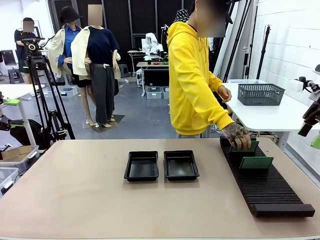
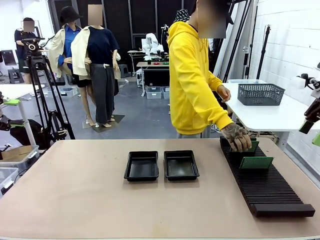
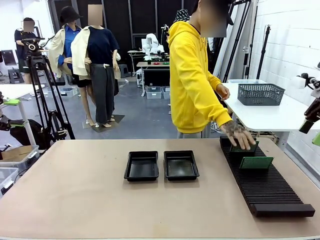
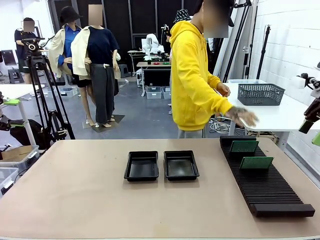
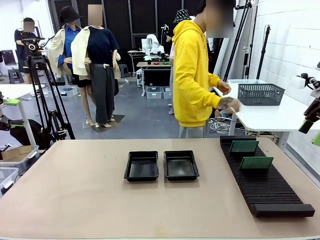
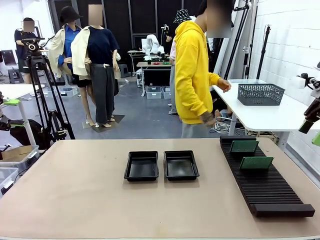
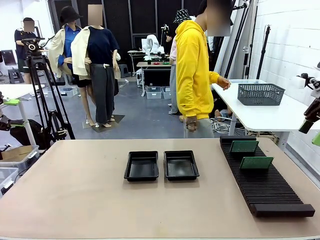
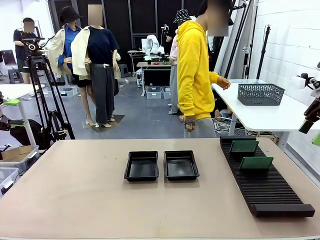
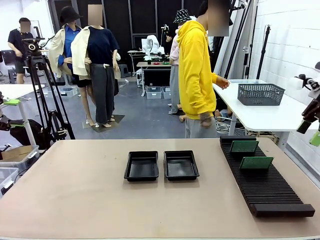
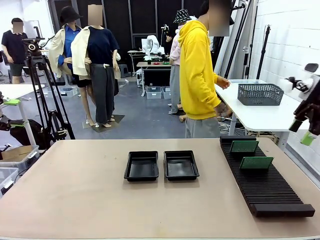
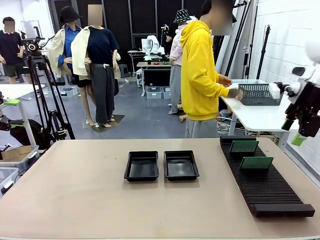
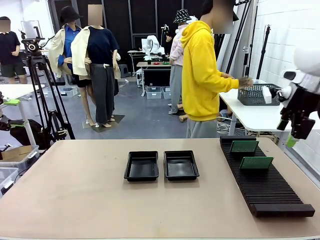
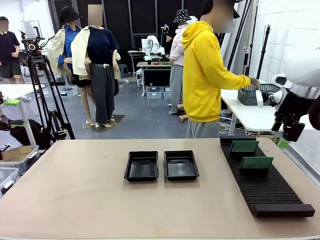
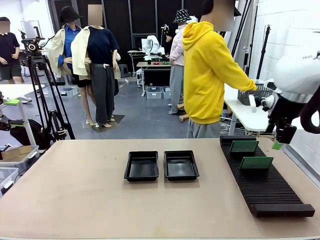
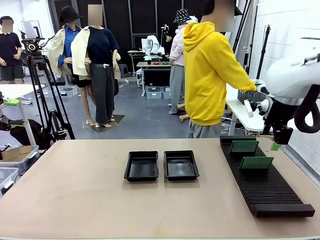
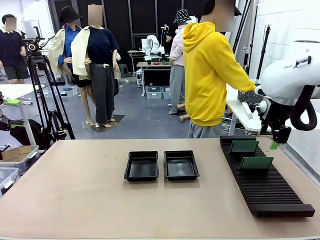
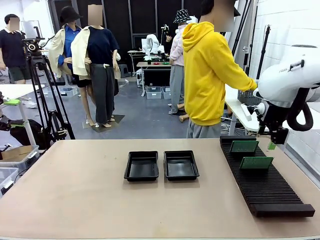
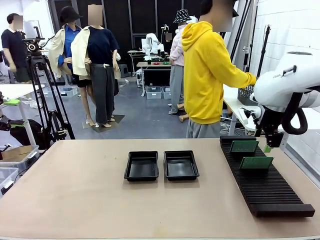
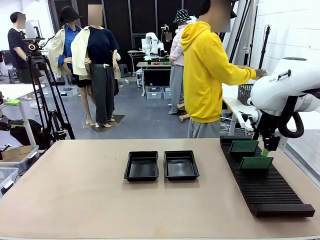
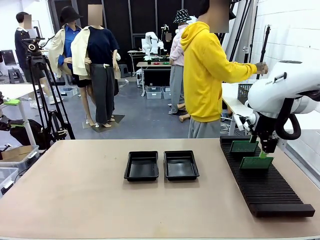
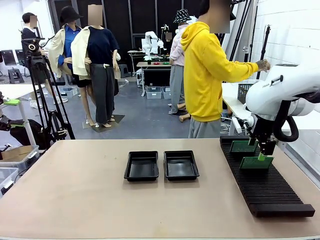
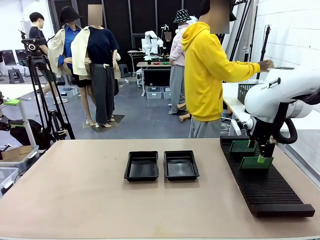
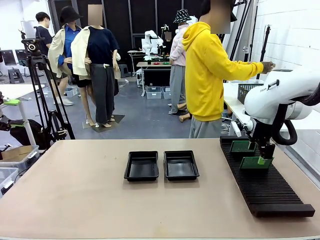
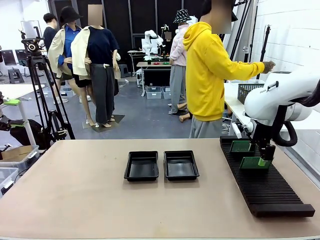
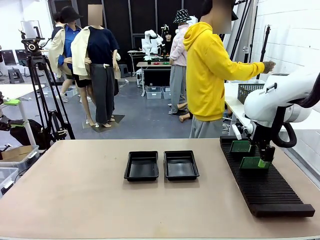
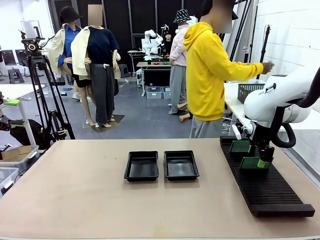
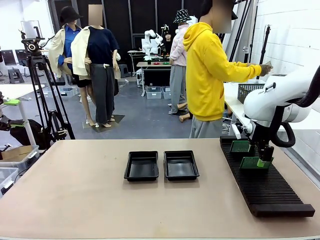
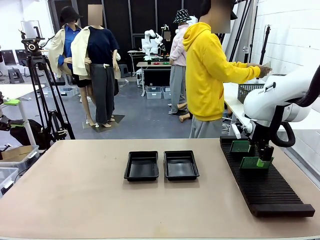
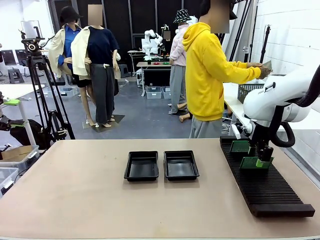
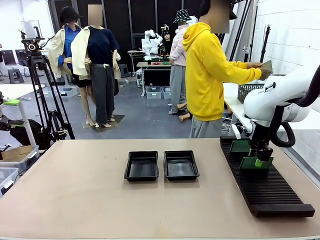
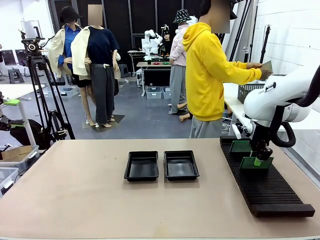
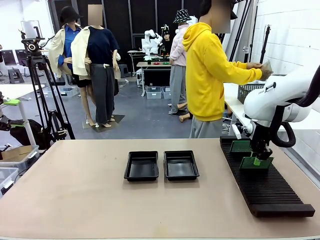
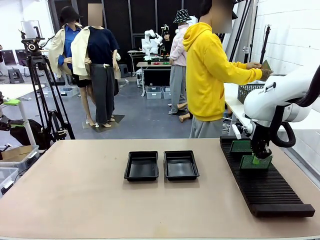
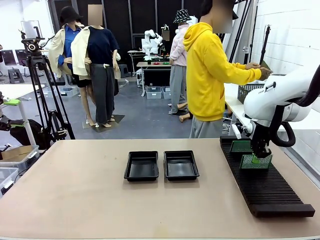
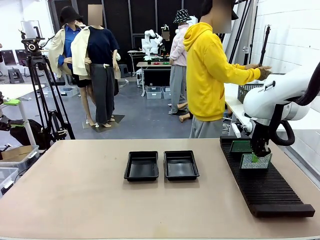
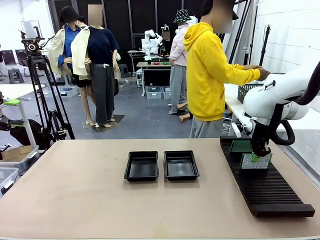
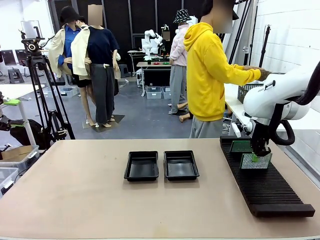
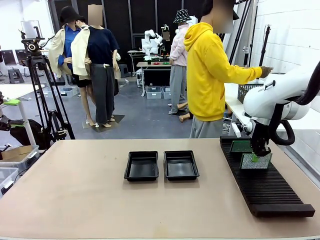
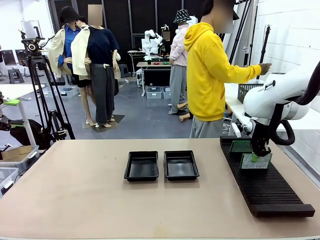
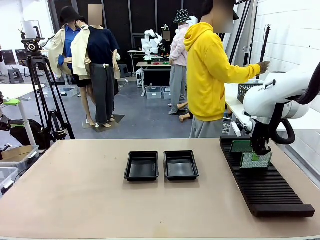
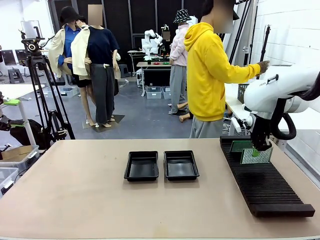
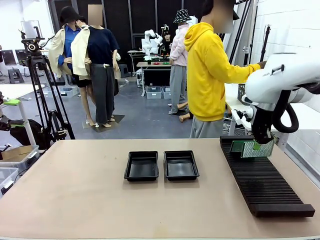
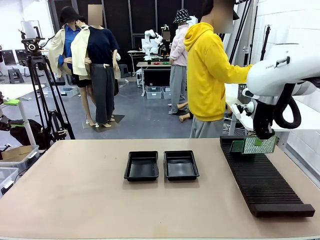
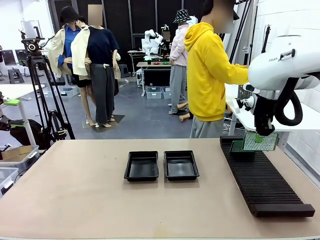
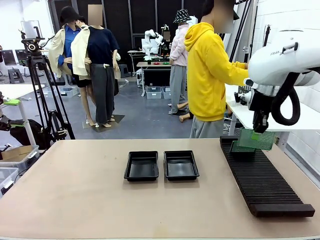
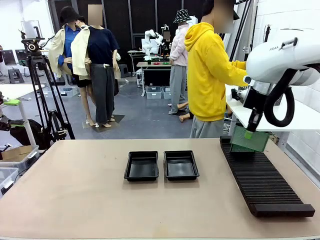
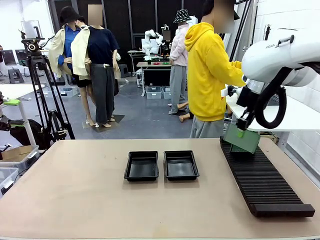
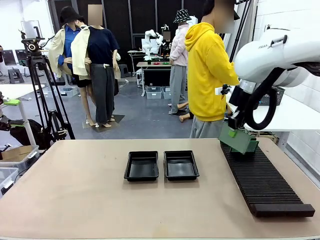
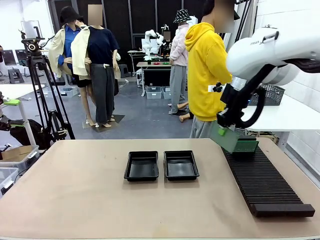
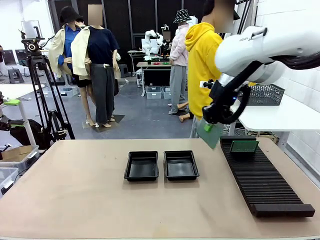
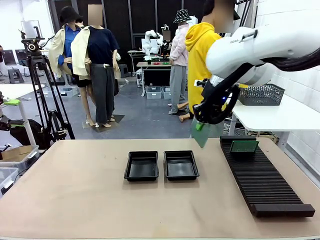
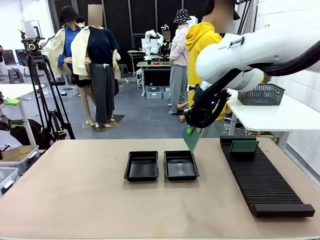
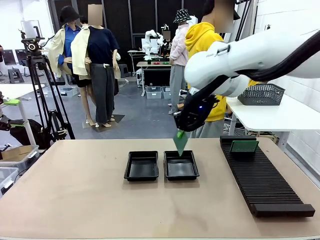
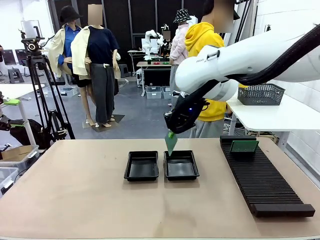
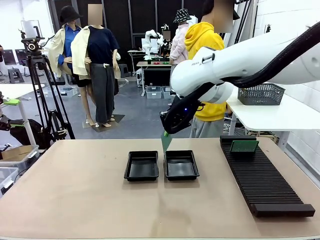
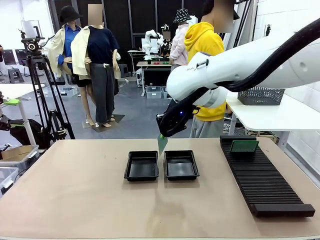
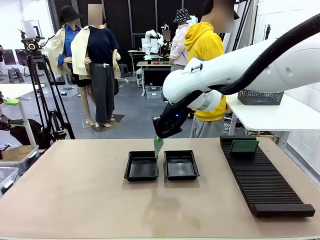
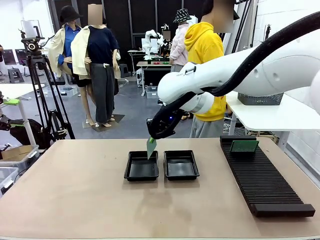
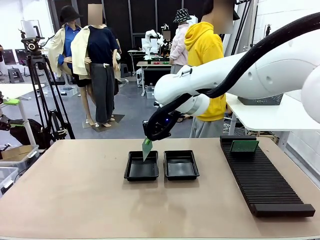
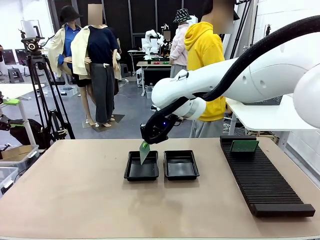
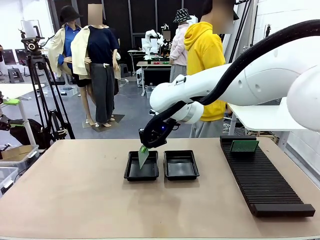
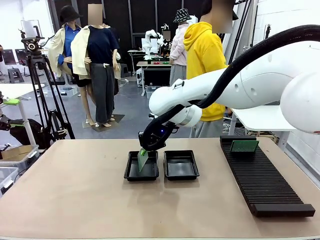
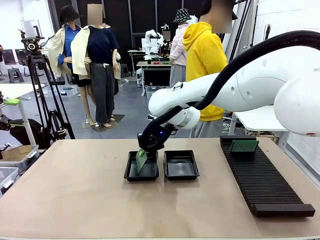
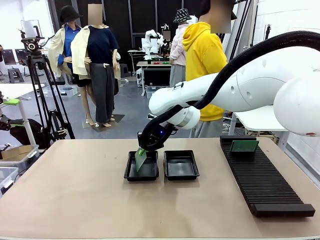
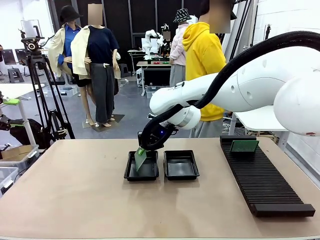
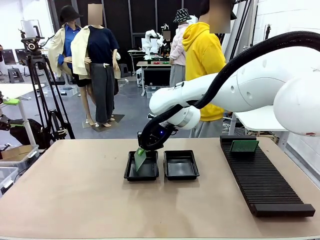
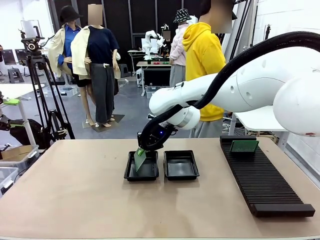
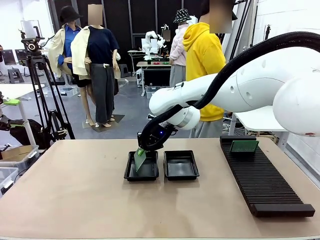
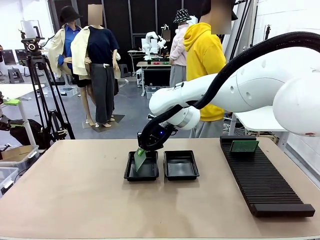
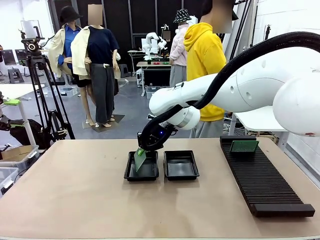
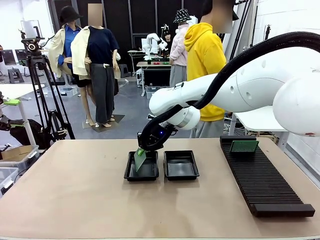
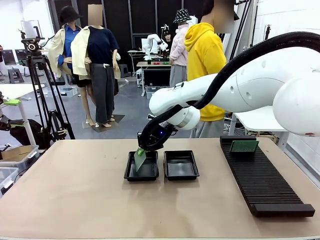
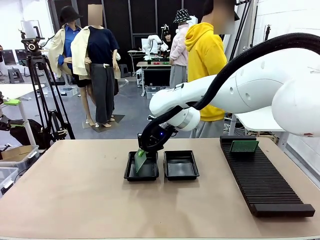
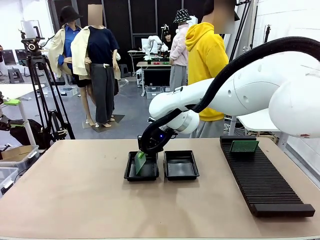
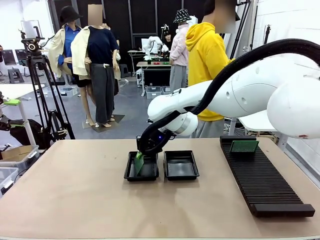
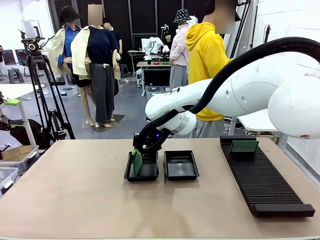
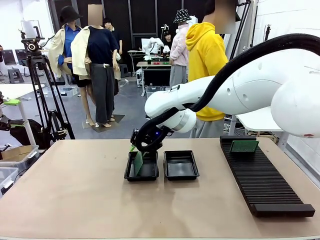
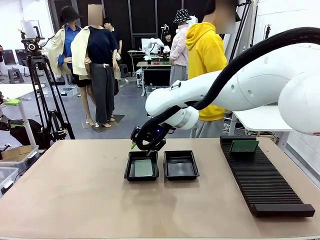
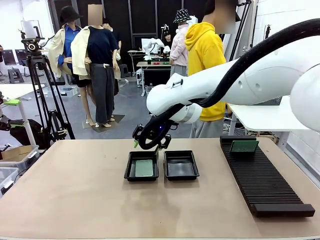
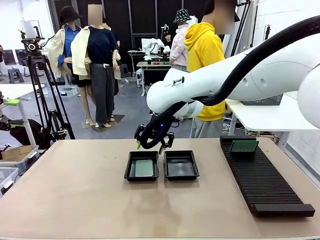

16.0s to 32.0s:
Task: Inspect and transfer BCBs to ESD trays.
Robot: Pick up the Blank PCB from the PCB Rack and place it in the left ESD tray.
